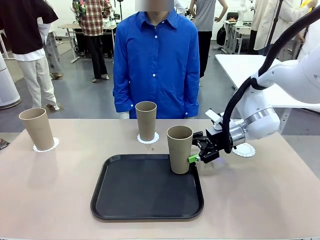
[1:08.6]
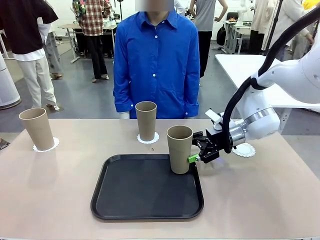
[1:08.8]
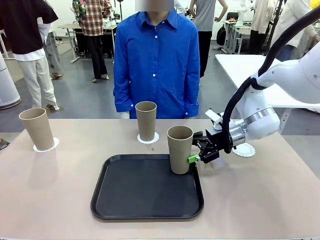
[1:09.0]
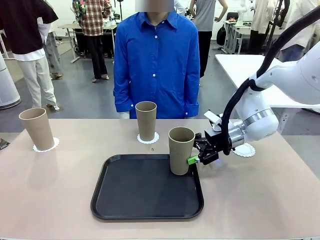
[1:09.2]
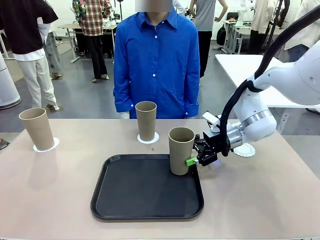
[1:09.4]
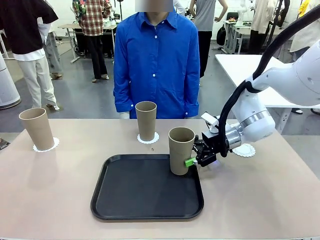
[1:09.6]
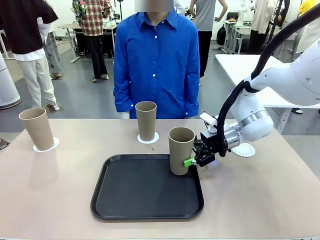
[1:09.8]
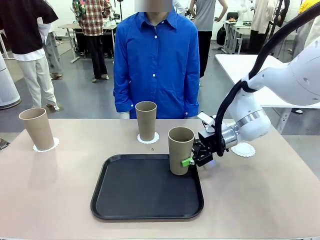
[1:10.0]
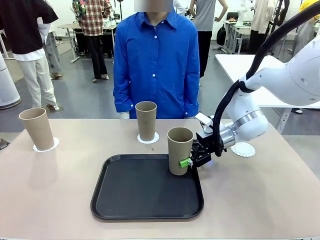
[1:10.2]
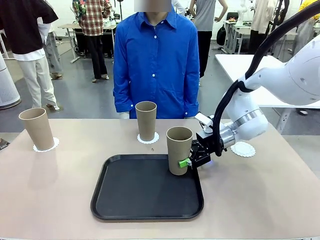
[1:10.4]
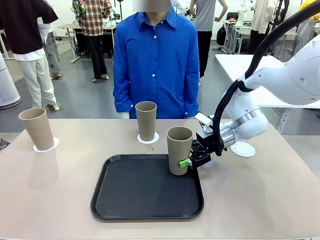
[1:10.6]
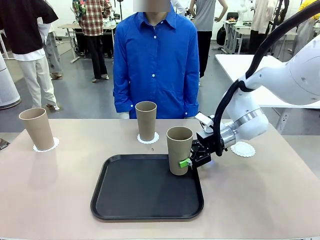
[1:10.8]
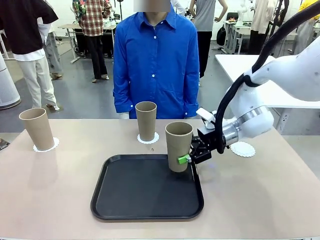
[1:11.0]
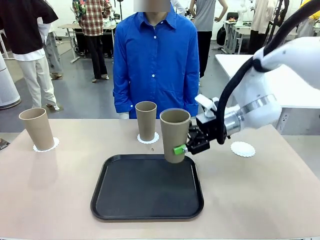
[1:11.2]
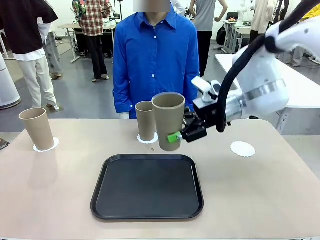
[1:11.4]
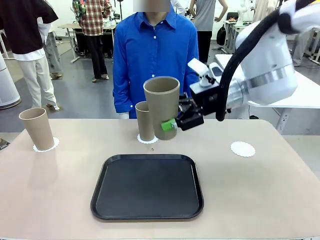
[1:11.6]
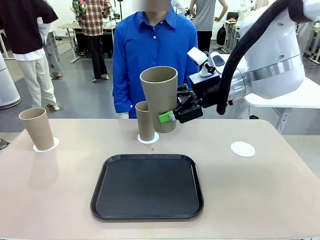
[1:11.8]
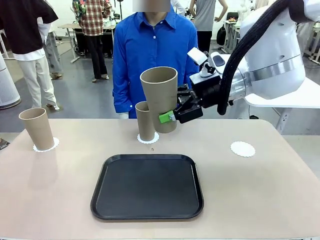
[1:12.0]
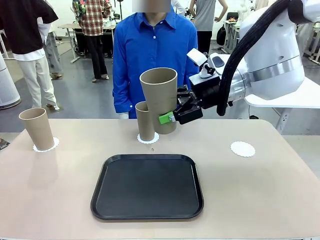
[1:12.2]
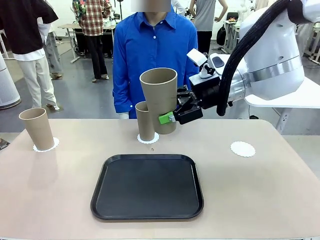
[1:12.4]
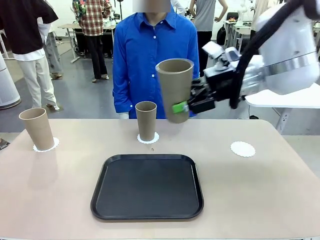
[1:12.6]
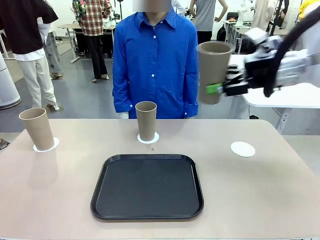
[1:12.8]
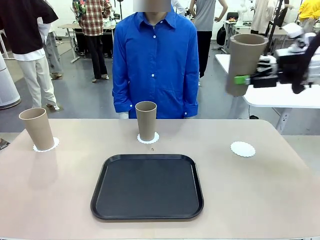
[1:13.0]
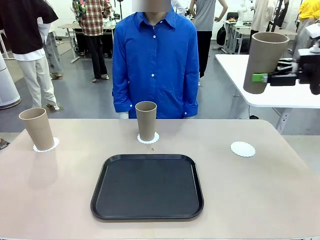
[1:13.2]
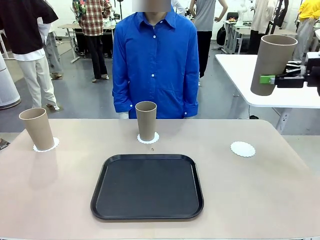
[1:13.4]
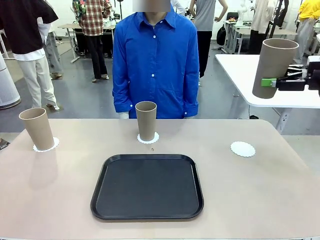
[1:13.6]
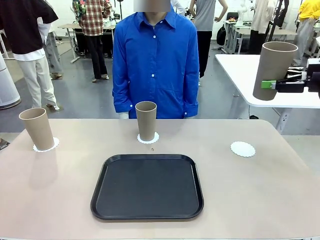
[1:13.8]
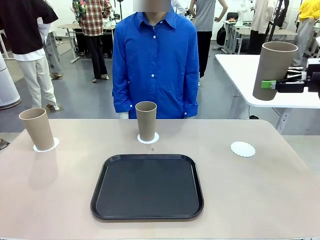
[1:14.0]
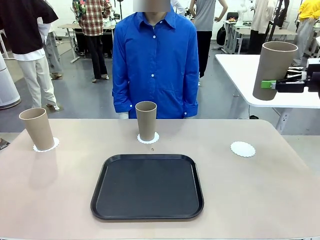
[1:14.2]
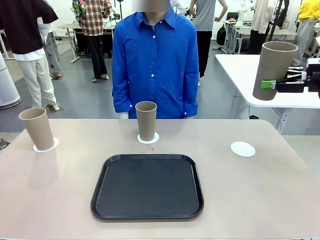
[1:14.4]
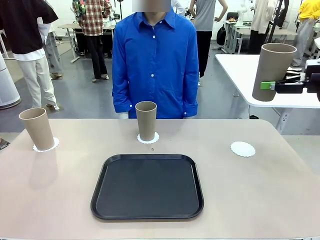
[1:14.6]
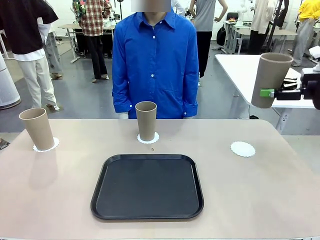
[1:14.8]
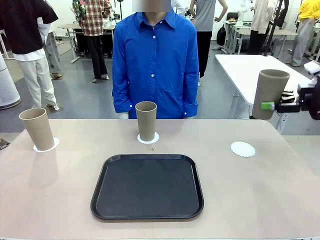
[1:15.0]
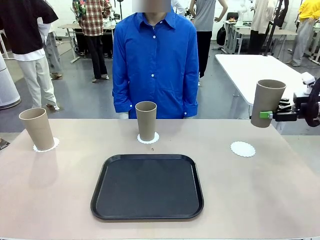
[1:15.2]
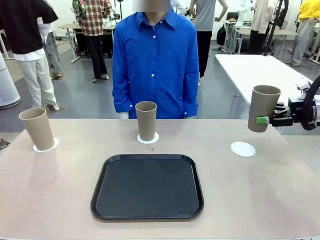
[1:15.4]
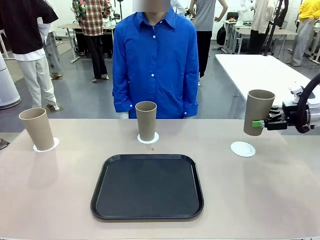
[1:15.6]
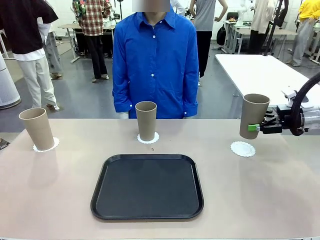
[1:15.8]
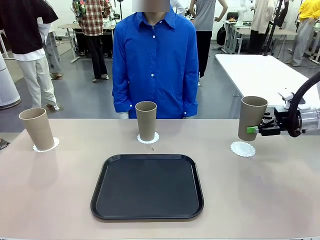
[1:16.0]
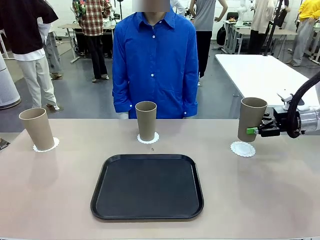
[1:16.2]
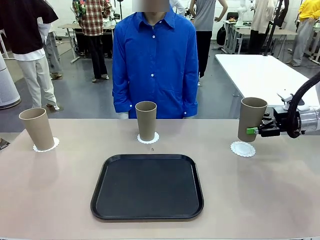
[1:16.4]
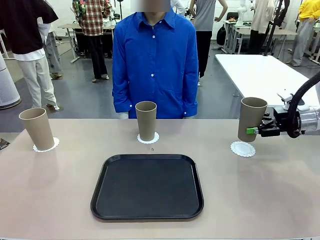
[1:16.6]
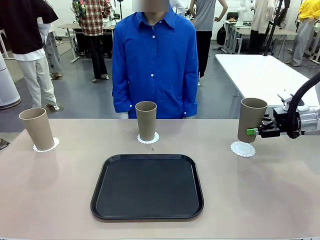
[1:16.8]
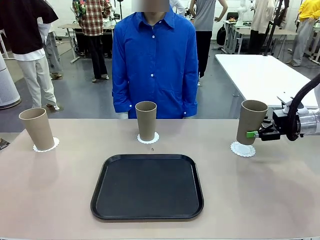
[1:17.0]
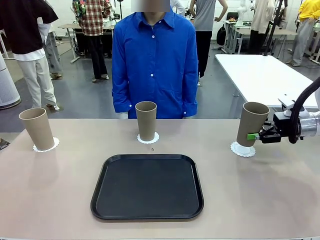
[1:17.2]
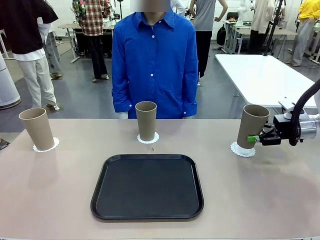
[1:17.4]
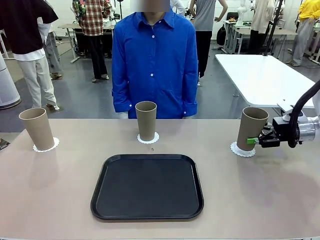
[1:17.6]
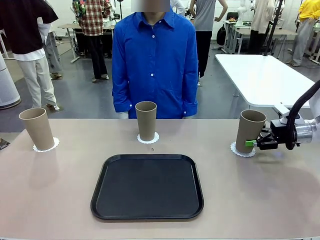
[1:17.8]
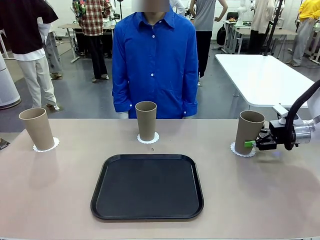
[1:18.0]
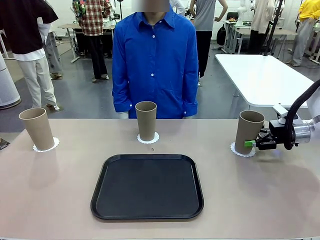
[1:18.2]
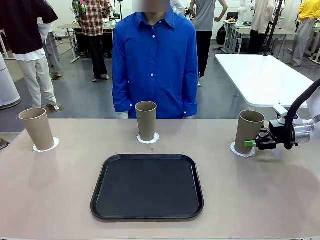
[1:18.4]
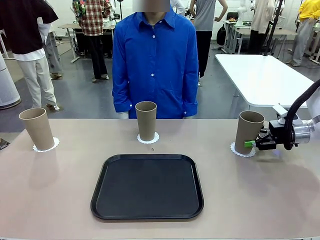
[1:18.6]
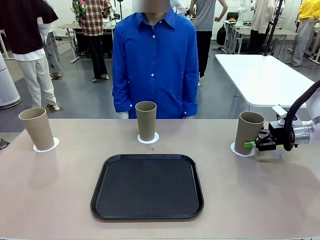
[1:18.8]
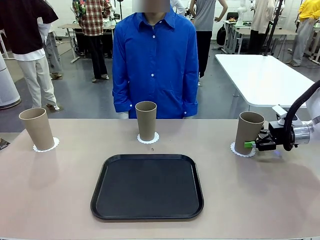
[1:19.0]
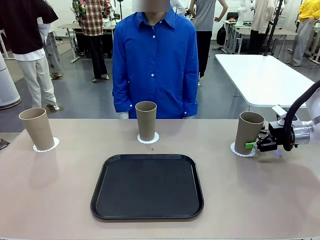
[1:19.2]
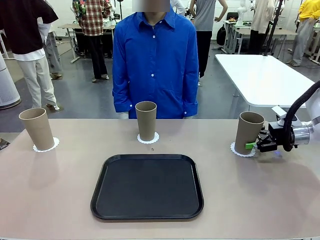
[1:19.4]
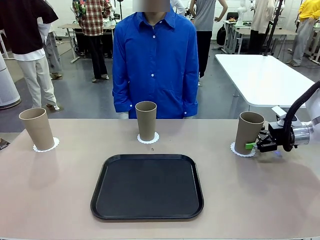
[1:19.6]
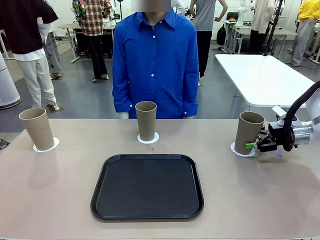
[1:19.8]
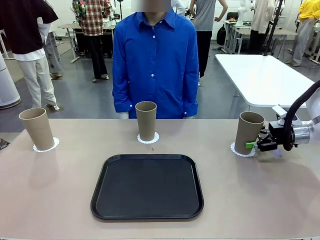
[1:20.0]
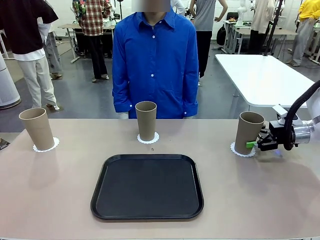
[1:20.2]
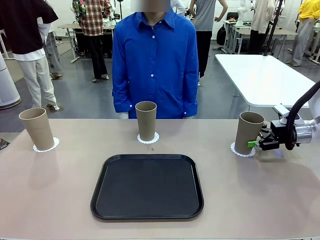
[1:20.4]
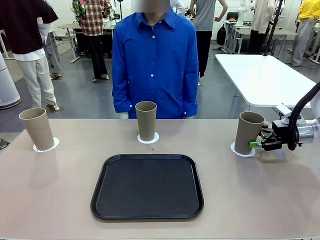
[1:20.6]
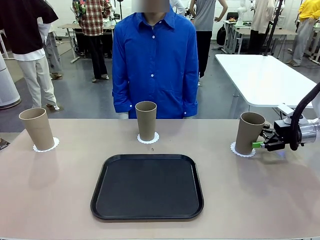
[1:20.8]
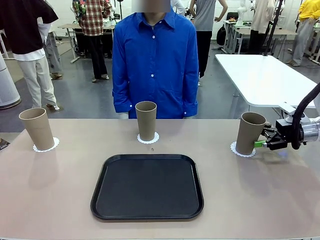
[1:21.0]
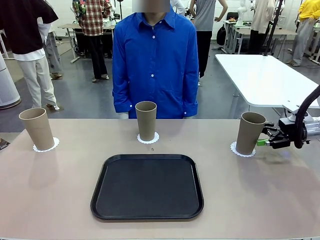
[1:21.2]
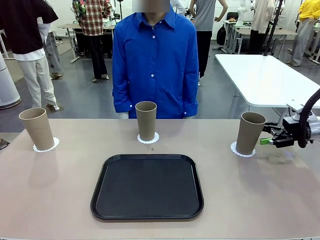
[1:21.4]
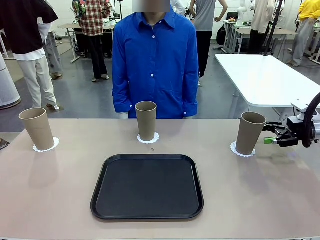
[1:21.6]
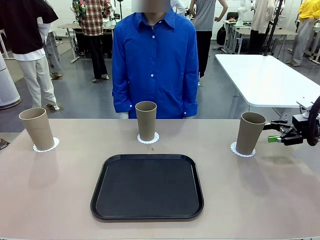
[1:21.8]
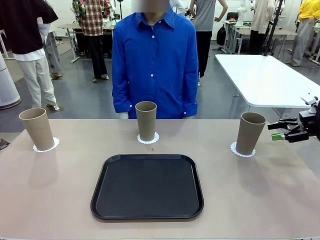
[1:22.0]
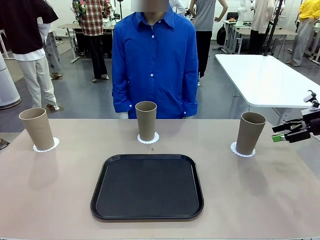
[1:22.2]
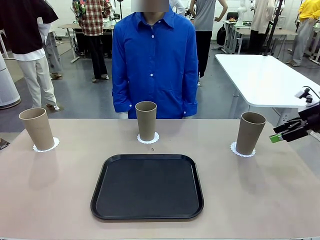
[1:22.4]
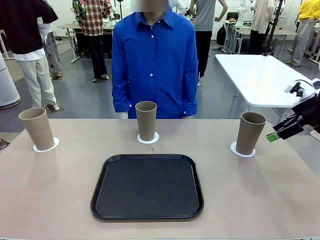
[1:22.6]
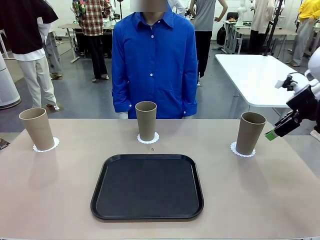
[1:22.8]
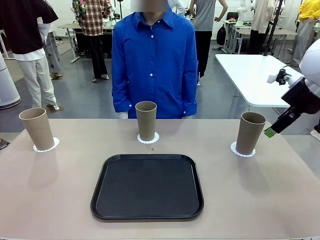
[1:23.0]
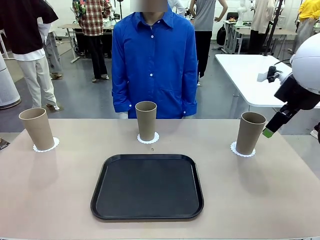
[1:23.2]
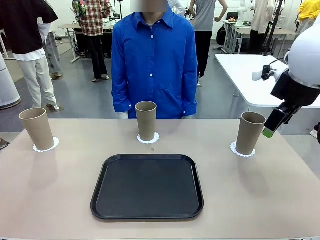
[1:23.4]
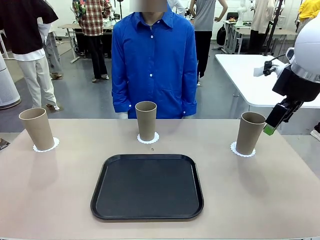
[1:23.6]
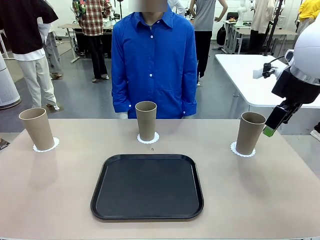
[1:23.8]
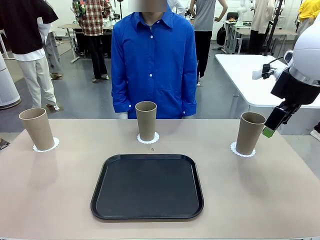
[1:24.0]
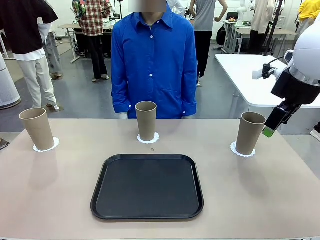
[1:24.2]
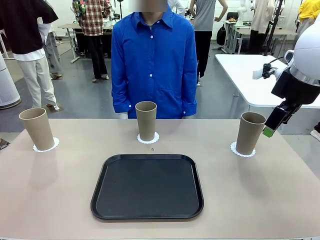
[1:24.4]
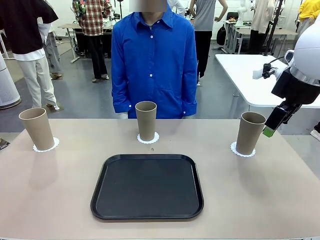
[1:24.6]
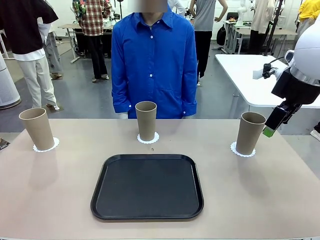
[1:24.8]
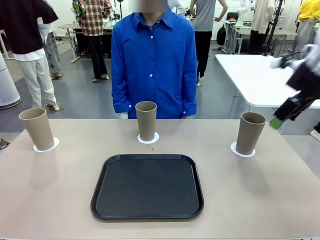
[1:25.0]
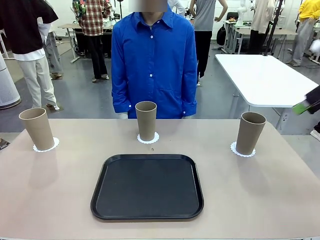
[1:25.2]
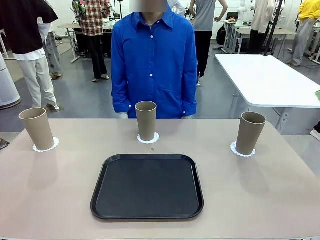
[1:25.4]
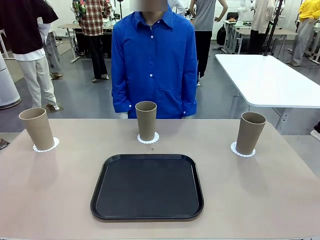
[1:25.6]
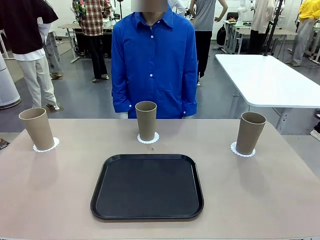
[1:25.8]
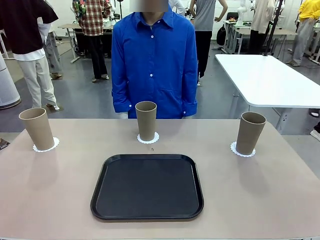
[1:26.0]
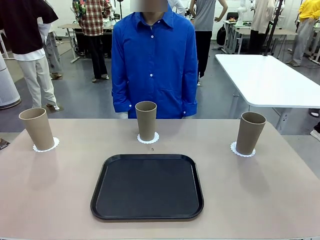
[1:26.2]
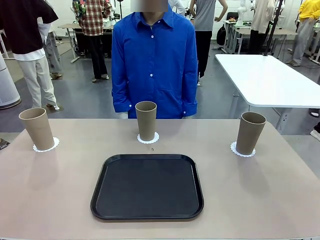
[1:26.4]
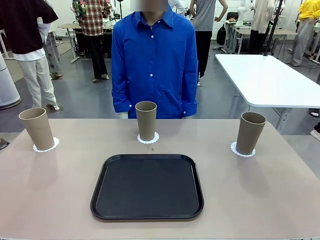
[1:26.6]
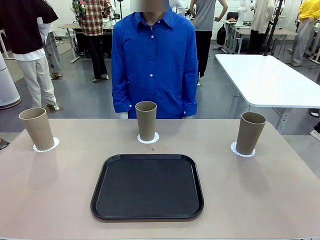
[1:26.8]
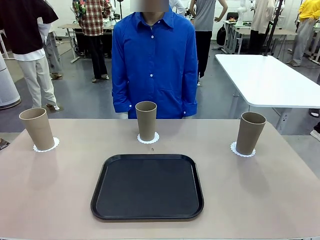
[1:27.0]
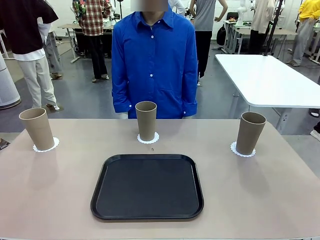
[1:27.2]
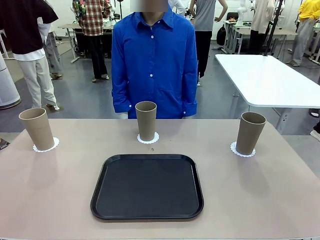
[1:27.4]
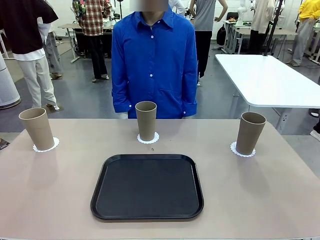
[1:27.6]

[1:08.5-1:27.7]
Task: Place coasters on the table and set cups on them.
Robot: Take one Reusable plastic cup from the Flat Tray and place it on a coaster set by the human.
